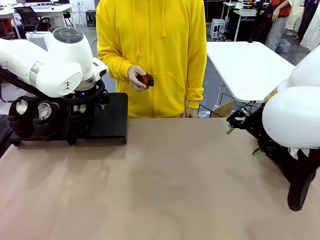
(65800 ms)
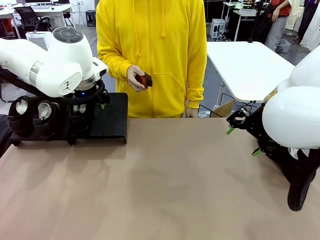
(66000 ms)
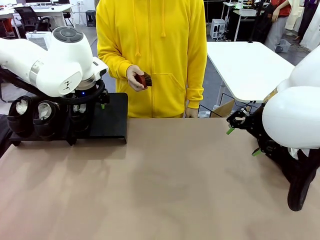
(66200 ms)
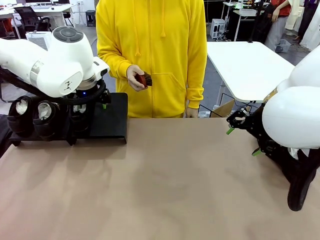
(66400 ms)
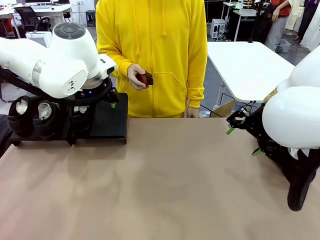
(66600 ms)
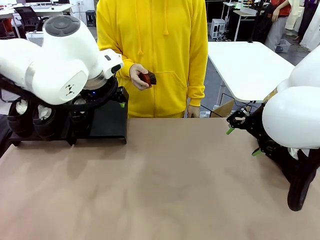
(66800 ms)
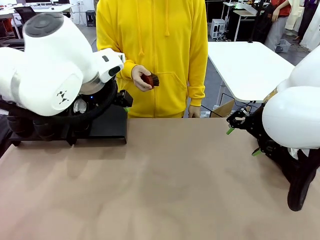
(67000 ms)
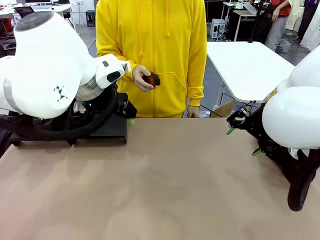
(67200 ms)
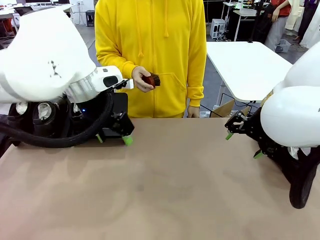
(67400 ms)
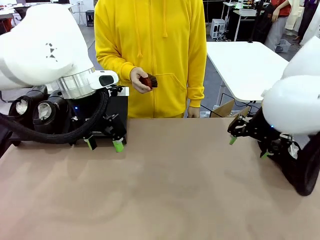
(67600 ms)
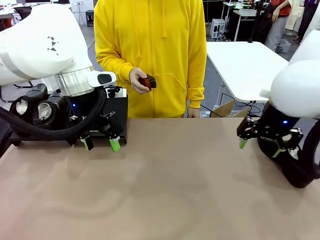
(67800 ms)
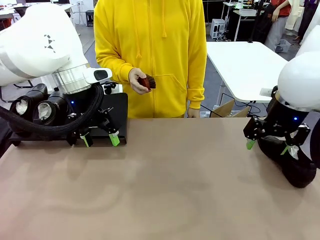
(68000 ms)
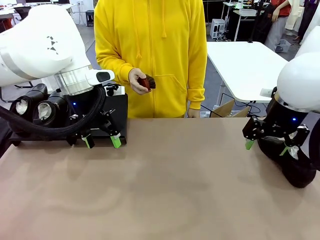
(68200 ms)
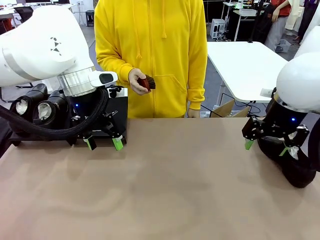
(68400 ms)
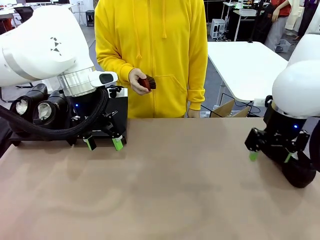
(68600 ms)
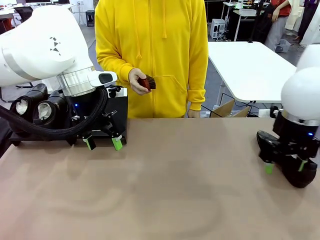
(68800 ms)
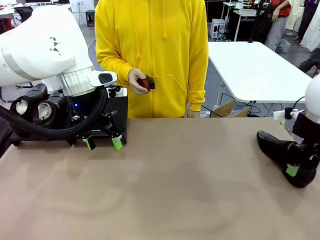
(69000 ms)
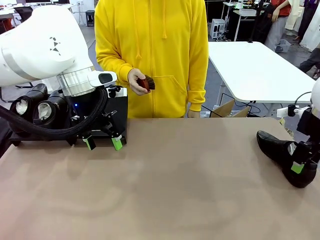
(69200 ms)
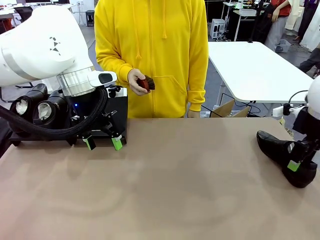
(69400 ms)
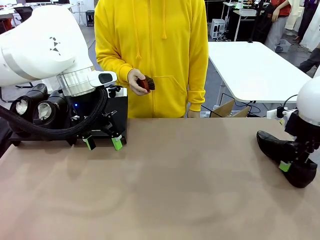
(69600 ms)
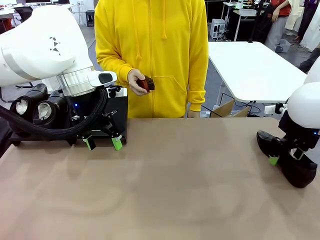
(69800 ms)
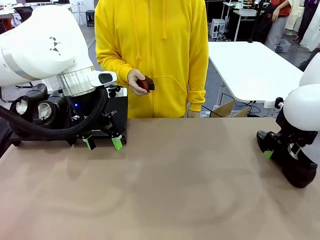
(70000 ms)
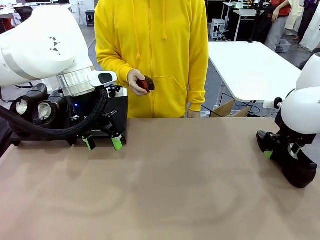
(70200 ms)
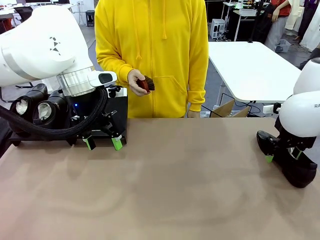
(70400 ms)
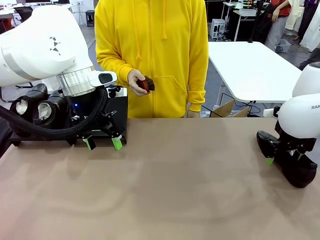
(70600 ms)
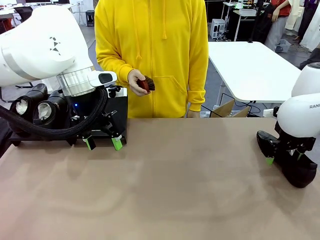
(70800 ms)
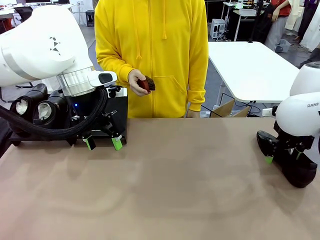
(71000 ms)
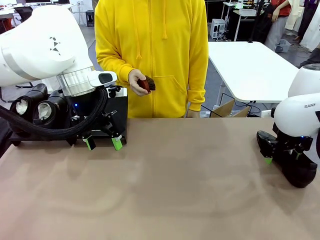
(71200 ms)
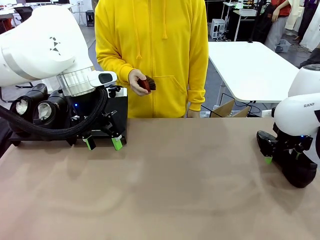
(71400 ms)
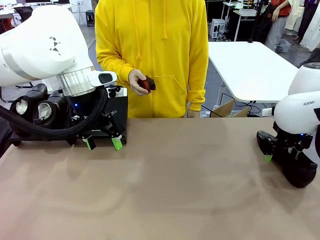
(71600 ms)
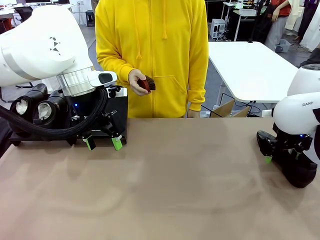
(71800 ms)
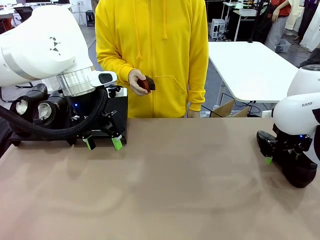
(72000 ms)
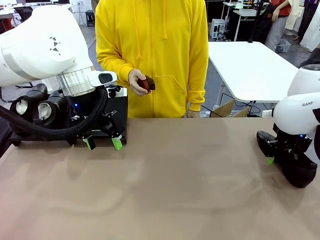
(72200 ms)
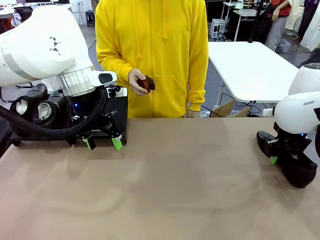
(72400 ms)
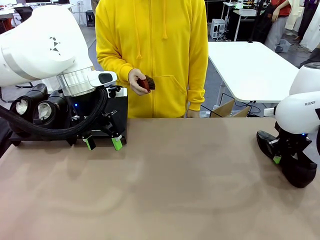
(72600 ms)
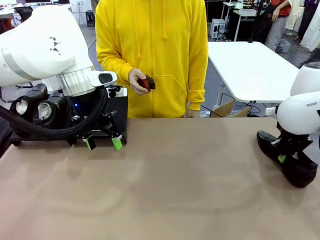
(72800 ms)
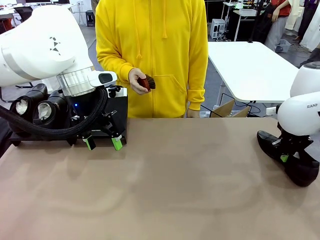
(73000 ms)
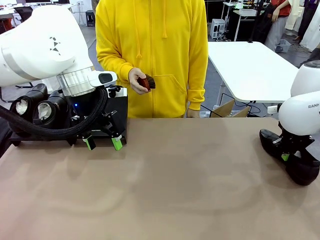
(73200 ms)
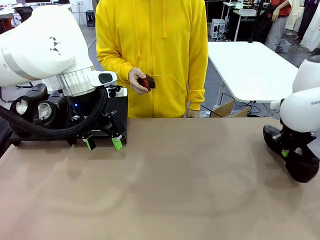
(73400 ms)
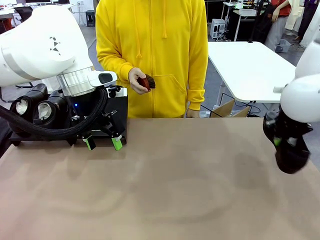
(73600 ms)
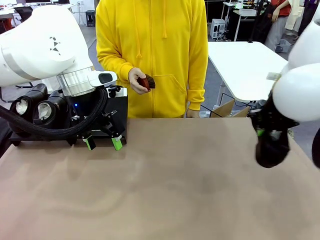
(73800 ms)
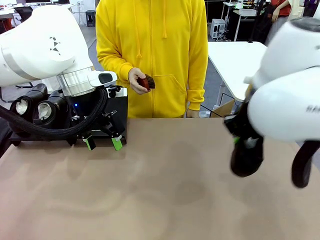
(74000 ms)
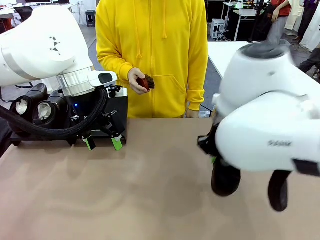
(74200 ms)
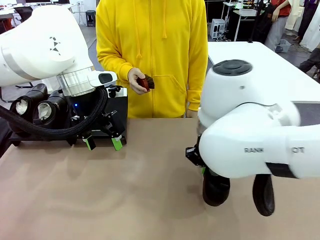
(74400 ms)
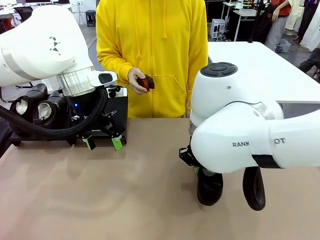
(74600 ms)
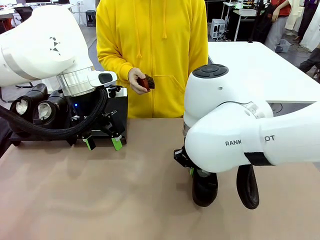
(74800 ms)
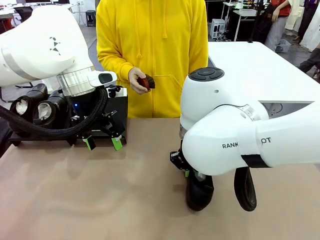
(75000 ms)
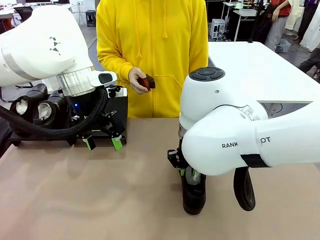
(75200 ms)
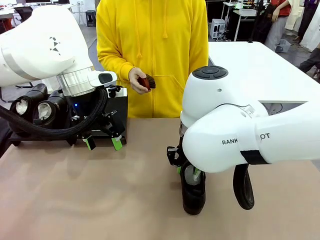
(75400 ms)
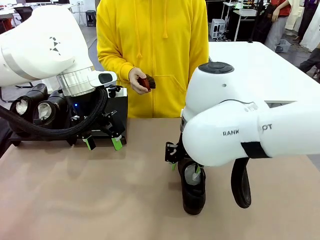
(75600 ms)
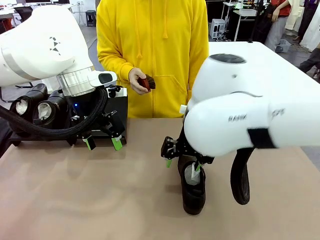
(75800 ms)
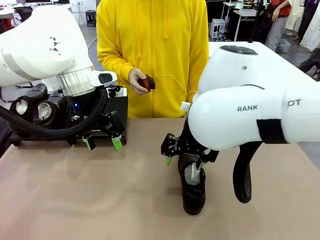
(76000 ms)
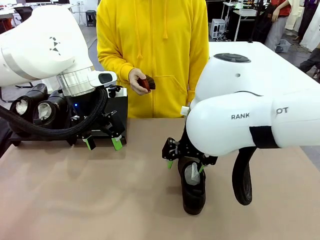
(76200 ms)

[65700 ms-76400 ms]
Task: Organize the shoes by placing them on the stand.
Robot: Pick up one Shoe and place it in the middle of the table.

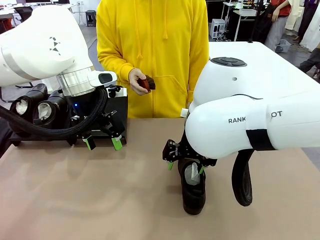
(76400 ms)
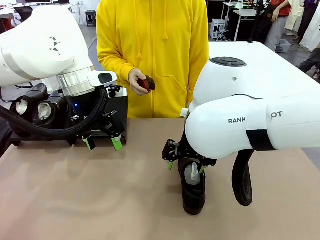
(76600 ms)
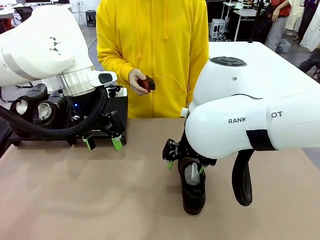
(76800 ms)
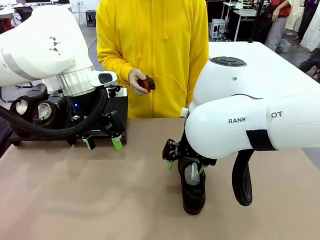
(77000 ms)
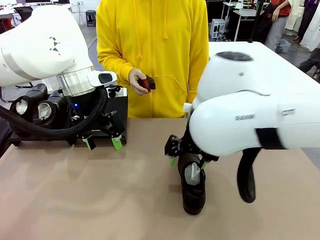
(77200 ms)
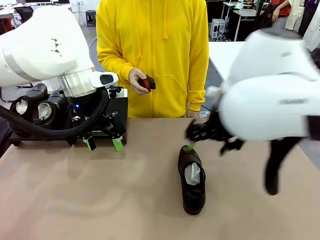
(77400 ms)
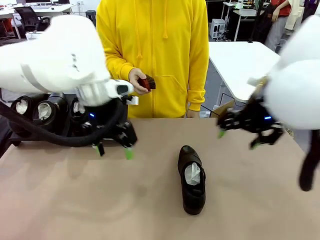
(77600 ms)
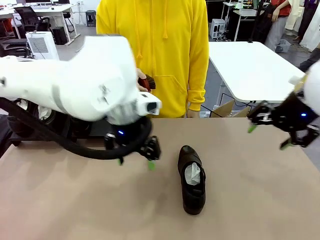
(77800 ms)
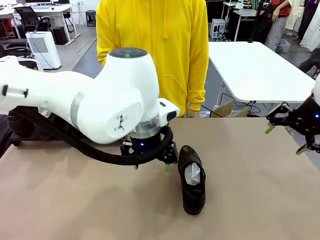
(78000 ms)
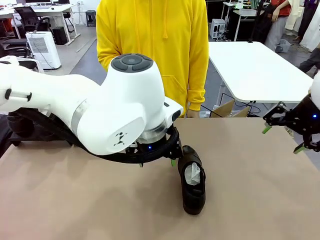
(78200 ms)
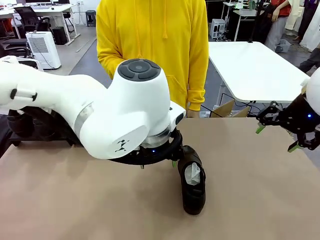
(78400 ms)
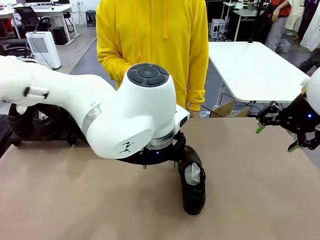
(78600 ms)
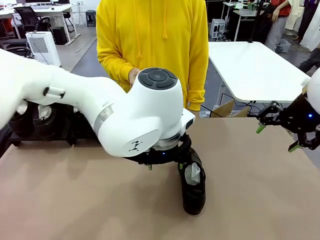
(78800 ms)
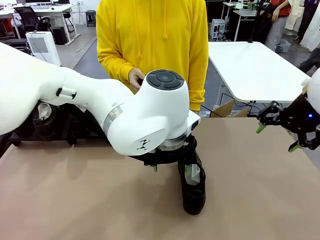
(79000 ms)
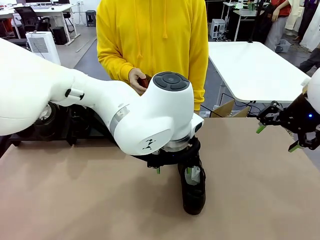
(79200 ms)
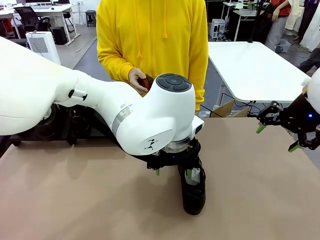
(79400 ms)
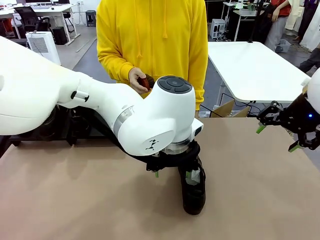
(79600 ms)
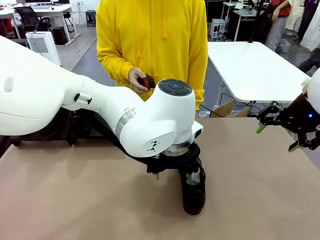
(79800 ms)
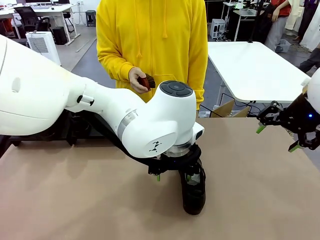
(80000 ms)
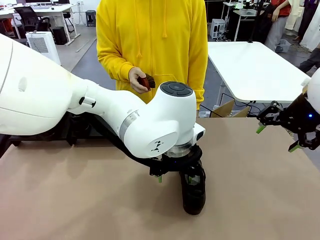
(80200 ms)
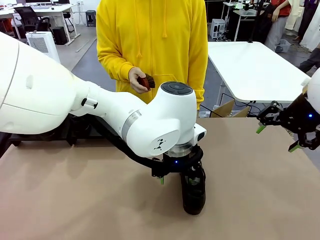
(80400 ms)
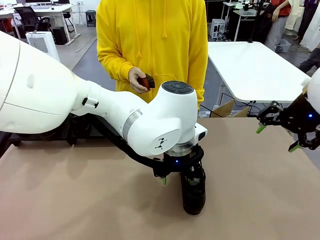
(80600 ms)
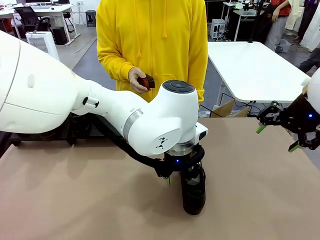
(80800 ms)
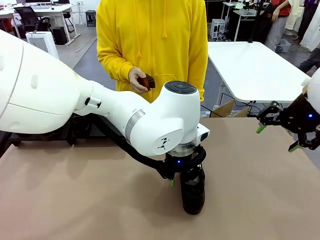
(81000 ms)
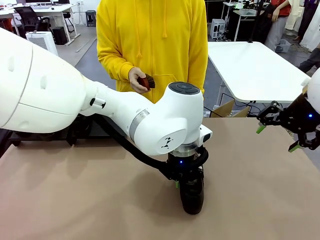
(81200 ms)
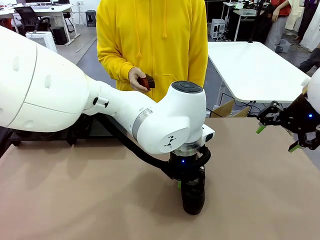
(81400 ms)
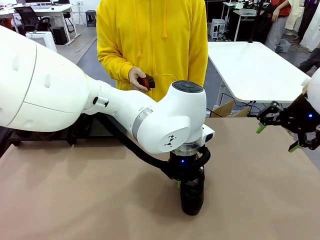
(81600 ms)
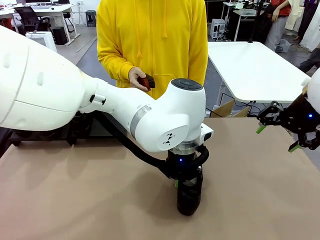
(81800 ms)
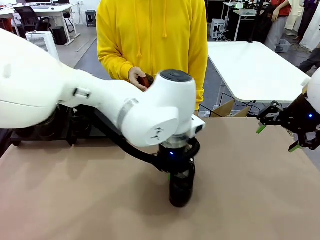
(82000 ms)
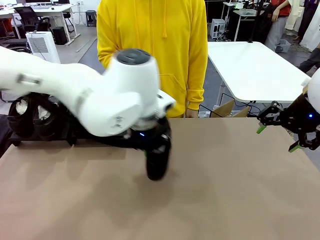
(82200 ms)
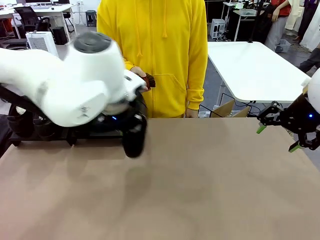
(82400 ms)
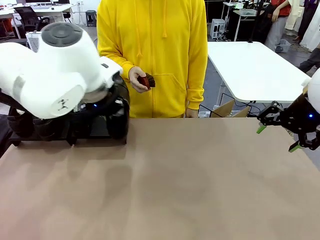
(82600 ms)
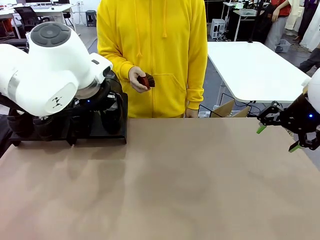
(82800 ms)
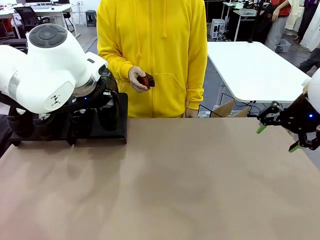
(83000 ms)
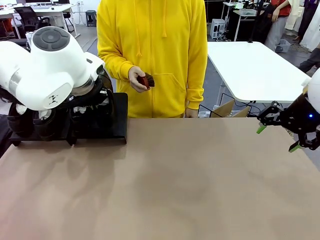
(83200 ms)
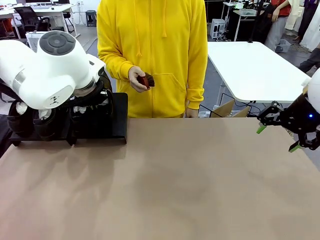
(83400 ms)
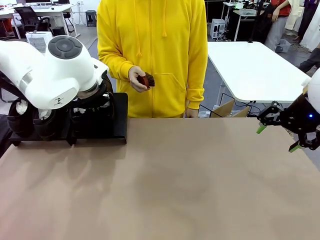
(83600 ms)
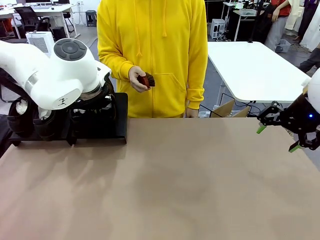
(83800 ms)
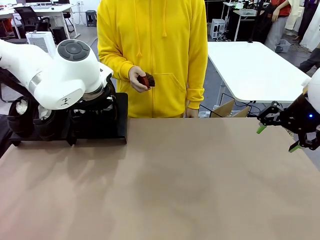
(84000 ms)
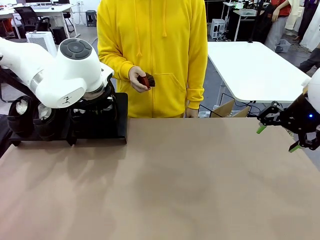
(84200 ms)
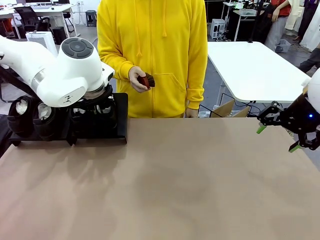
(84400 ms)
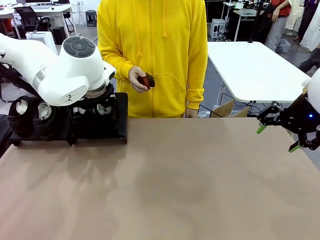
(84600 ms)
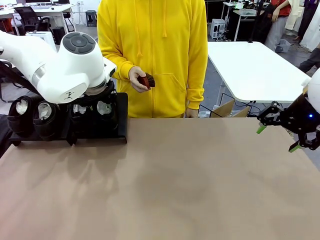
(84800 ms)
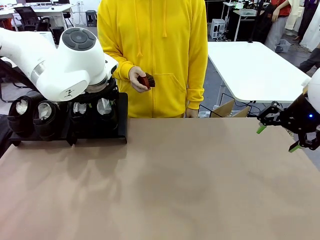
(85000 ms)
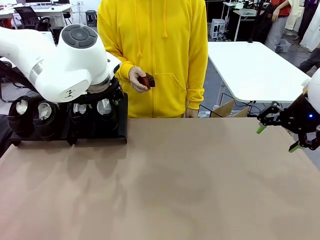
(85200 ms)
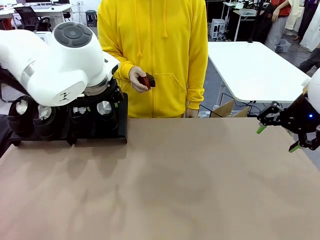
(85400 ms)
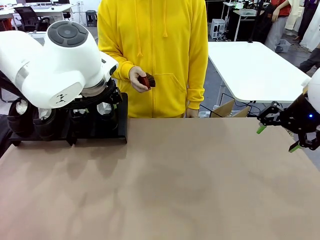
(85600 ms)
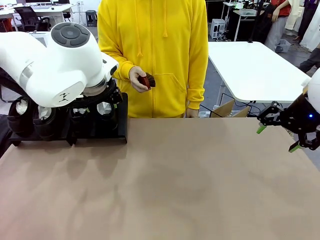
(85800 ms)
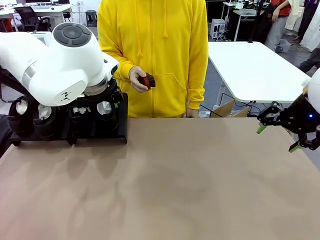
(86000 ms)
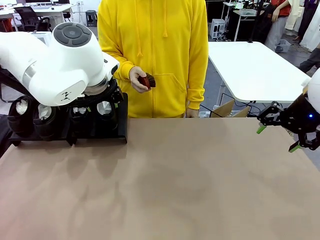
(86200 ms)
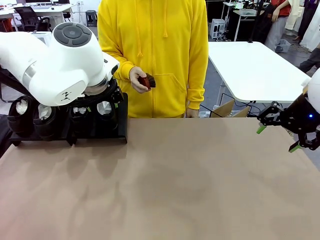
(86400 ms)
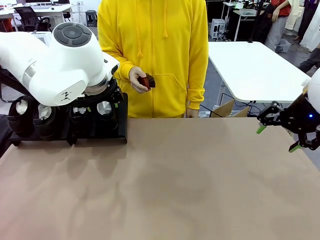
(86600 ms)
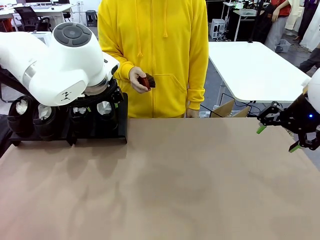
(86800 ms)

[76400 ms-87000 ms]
Robot: Place the Shoe from the middle of the table onto the Shoes Stand.
